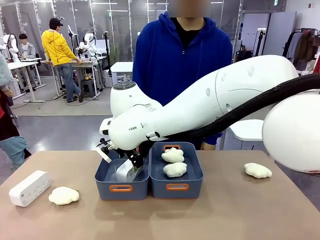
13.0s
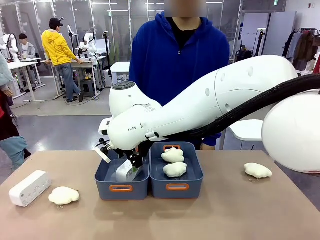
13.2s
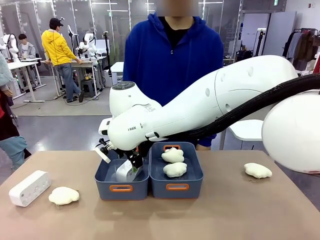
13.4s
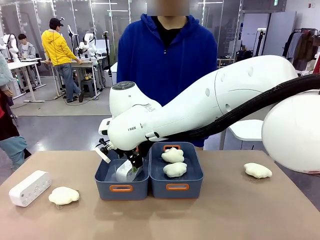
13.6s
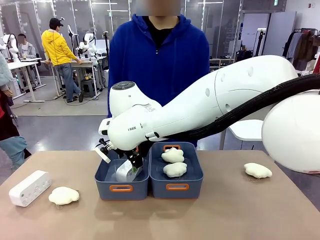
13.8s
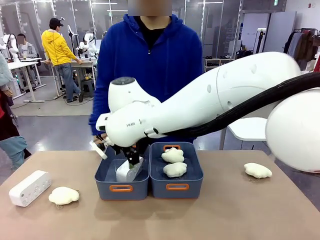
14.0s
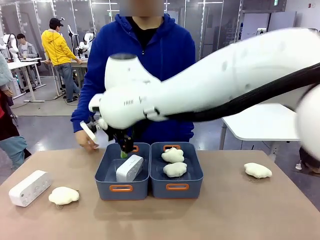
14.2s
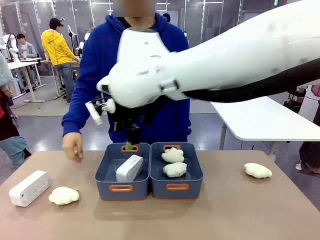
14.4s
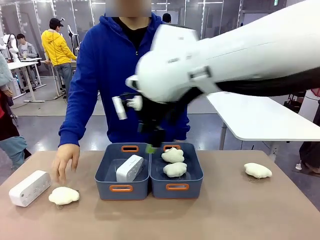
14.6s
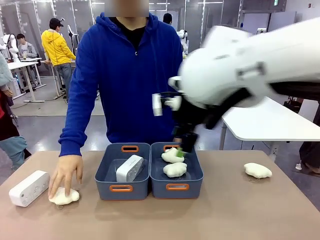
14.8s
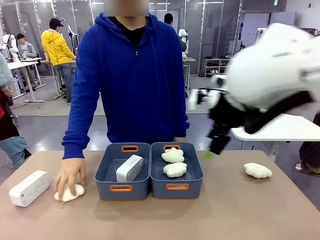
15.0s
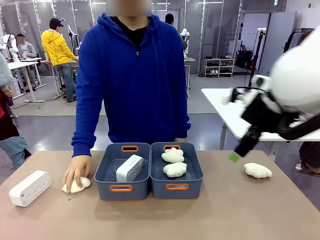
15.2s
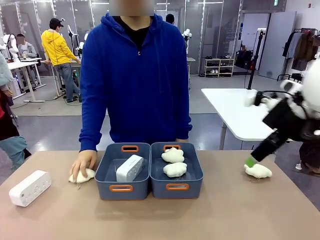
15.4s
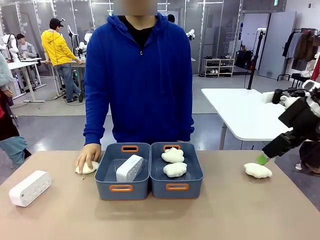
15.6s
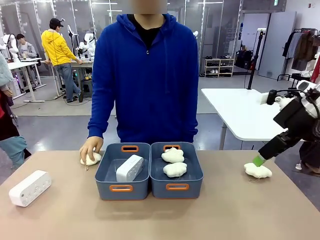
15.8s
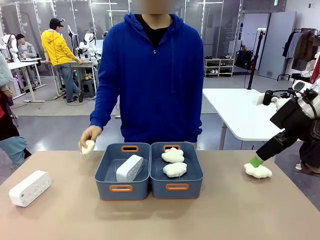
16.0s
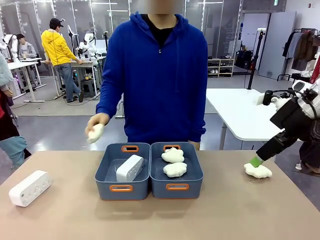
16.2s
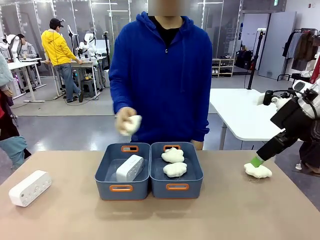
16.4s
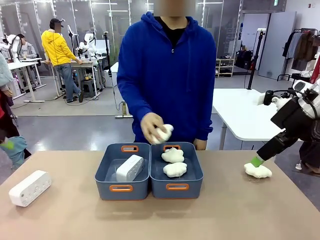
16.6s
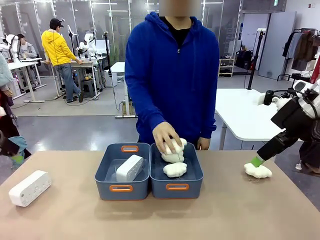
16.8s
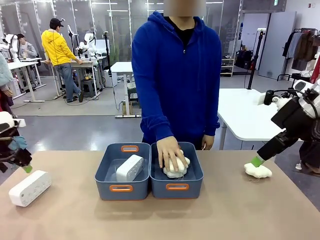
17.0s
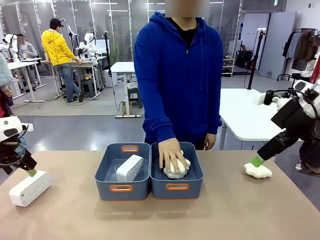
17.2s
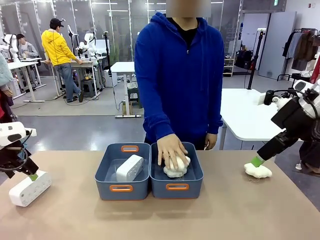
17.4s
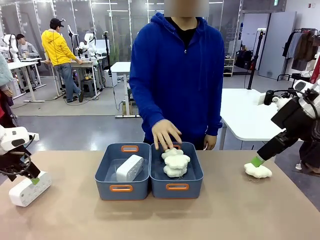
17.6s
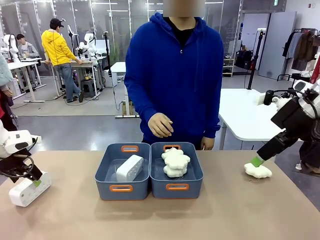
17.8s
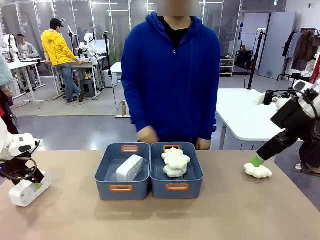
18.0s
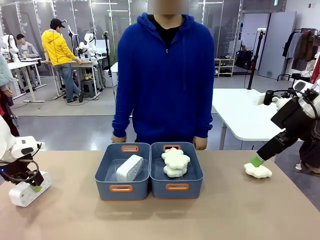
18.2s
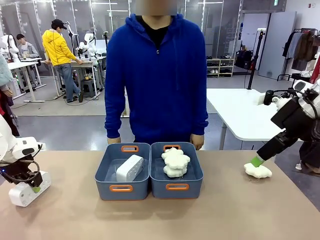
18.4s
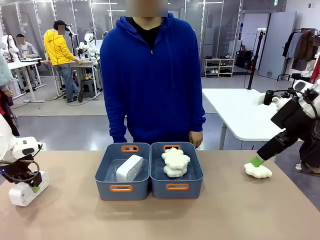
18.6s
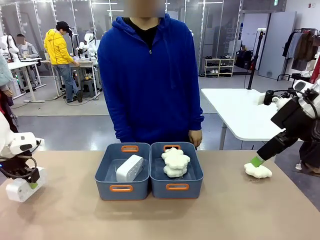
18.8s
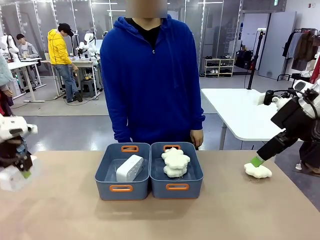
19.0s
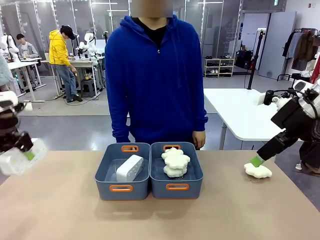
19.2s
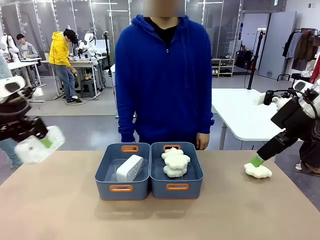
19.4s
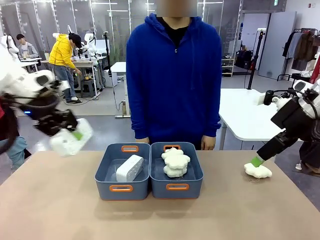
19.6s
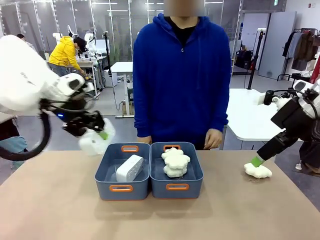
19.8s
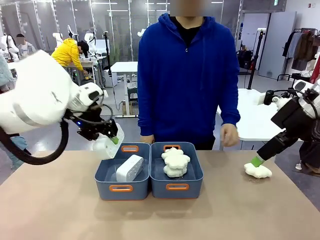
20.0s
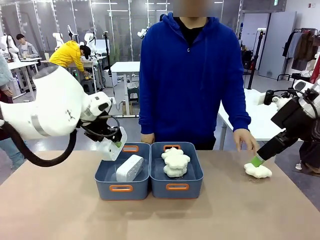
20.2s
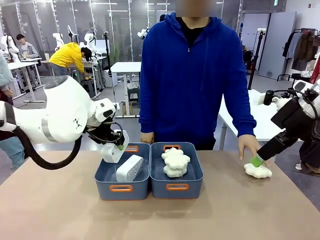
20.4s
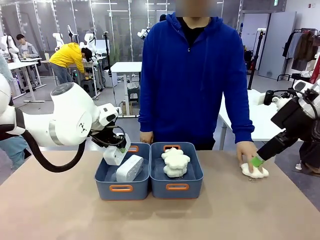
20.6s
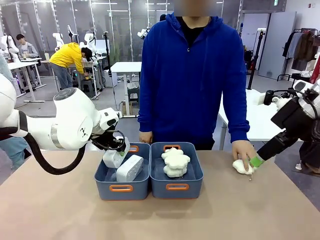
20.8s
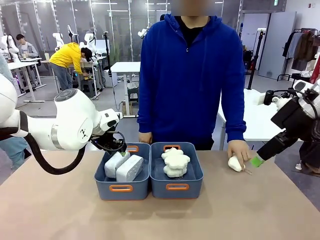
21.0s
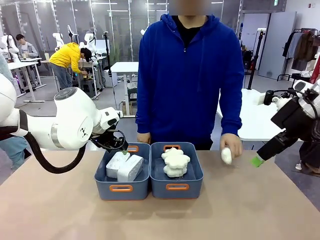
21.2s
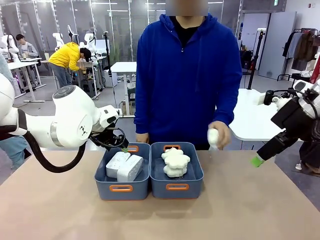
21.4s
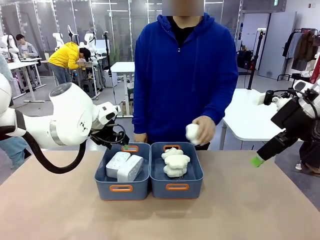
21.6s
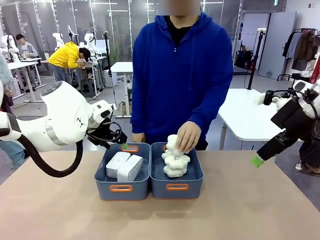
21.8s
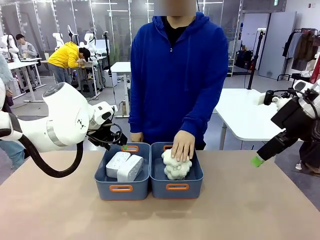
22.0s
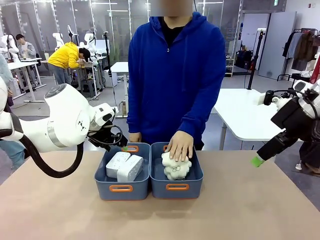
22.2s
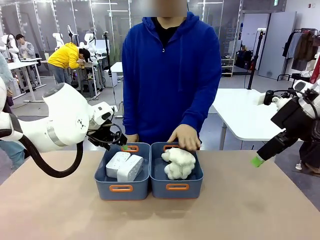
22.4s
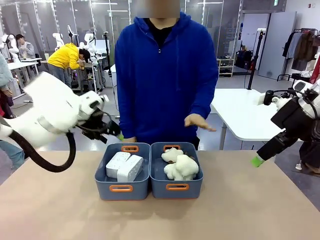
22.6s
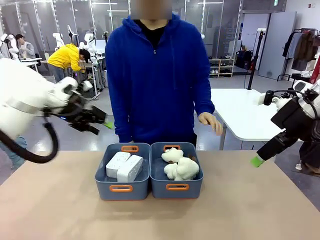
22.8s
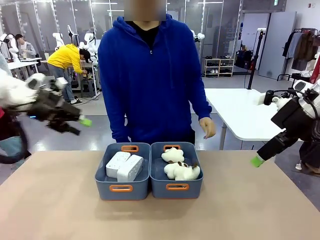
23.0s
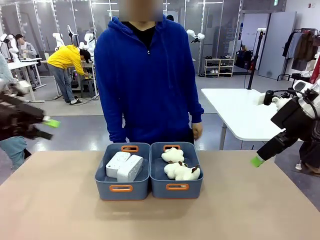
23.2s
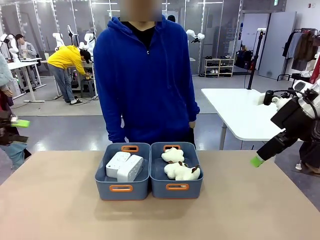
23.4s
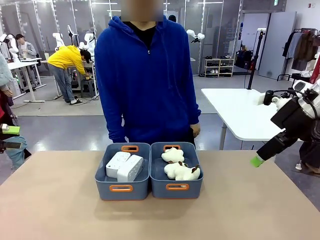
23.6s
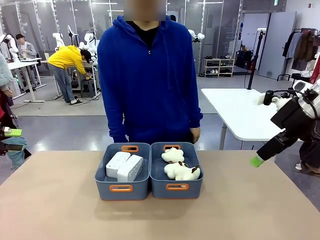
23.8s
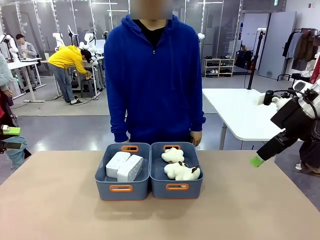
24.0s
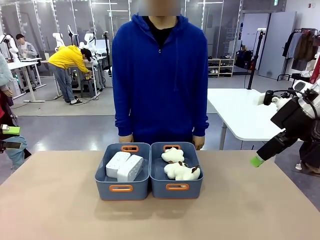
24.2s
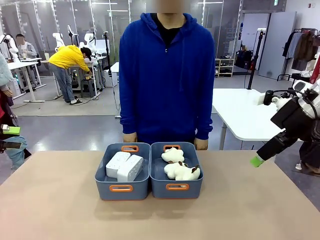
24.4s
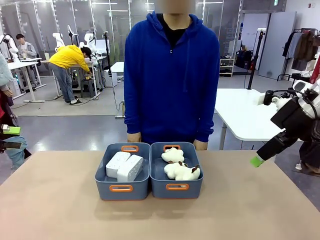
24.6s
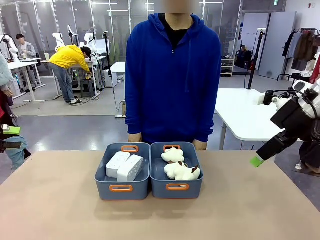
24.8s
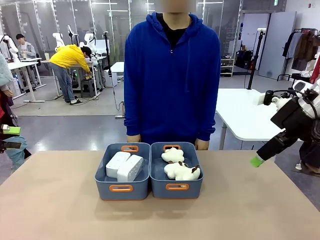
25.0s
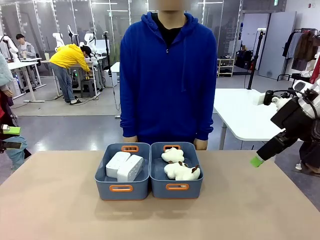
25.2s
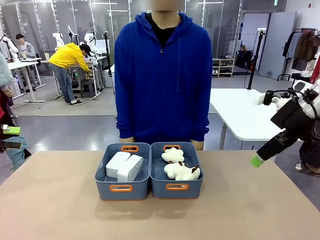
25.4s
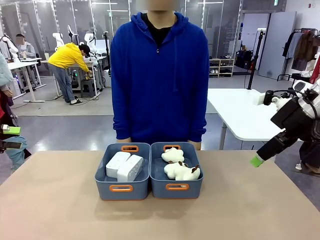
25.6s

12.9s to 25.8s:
Task: Sort the digital clocks into the basket.
Robot: Pick up the Digital clock from the table and place it into the empty Plastic storage basket.
Person: Pick up a plush toy from the table and place it in the plastic storage basket containing the plush toy.

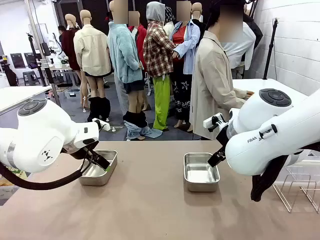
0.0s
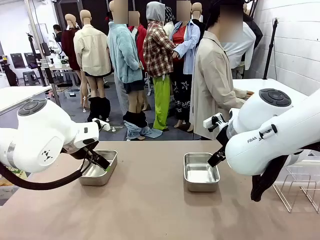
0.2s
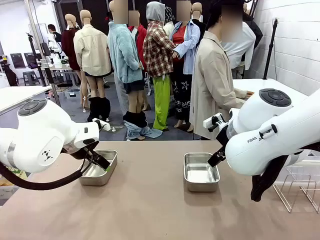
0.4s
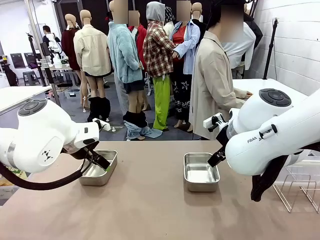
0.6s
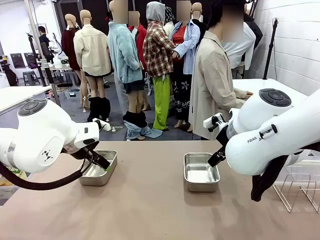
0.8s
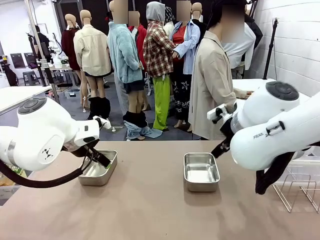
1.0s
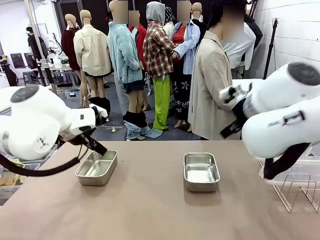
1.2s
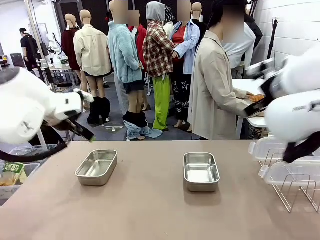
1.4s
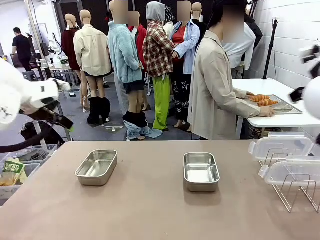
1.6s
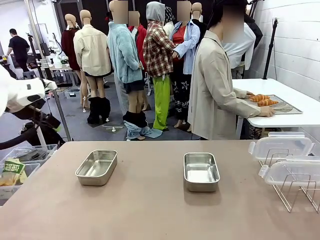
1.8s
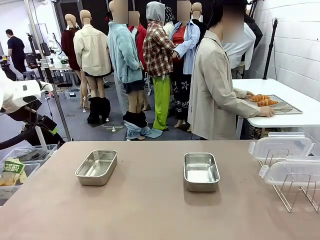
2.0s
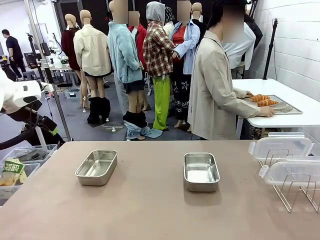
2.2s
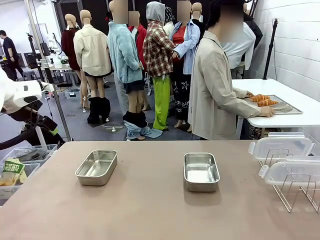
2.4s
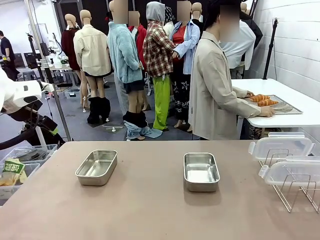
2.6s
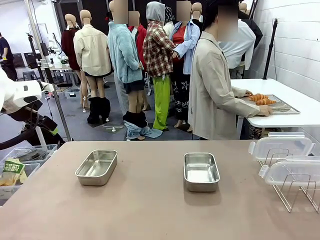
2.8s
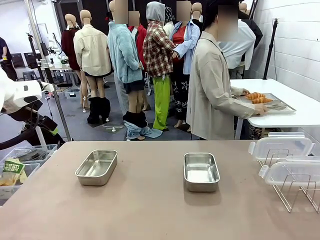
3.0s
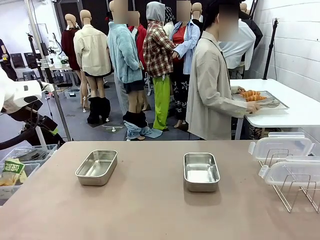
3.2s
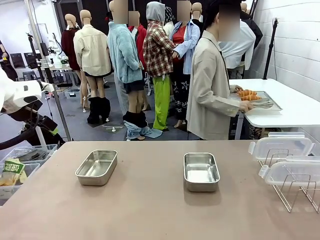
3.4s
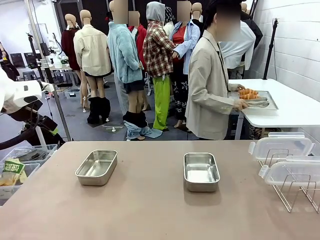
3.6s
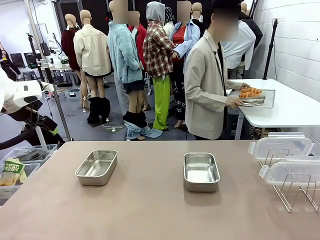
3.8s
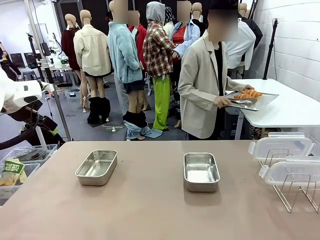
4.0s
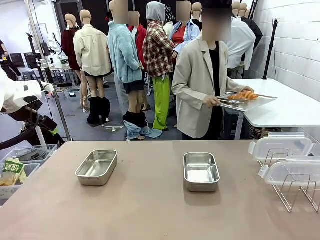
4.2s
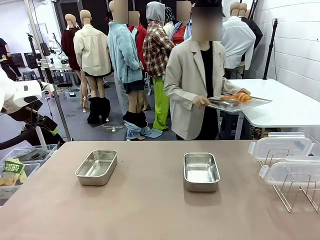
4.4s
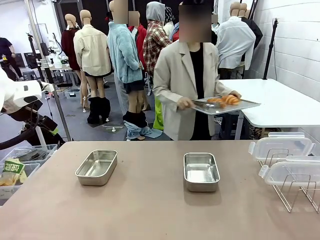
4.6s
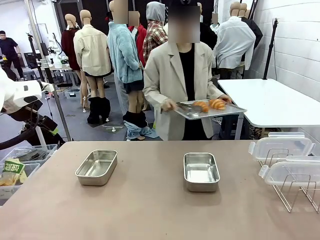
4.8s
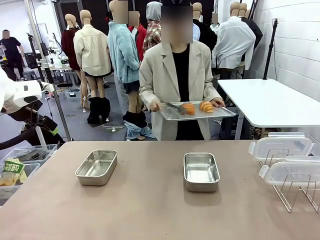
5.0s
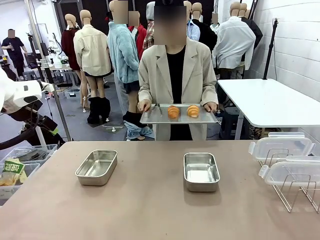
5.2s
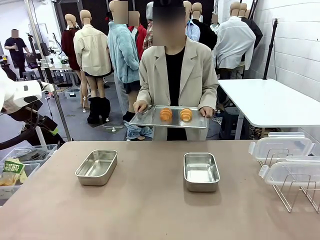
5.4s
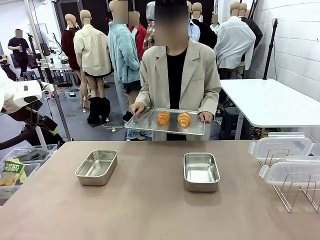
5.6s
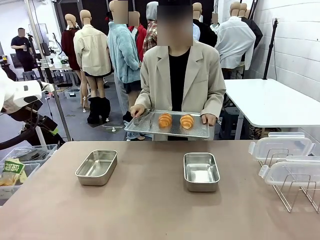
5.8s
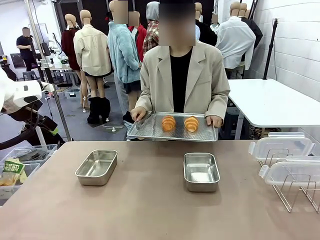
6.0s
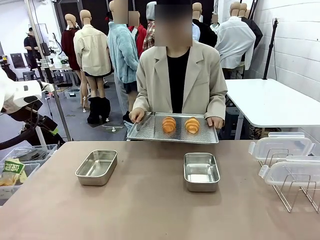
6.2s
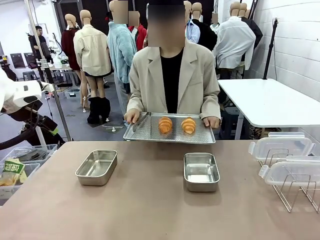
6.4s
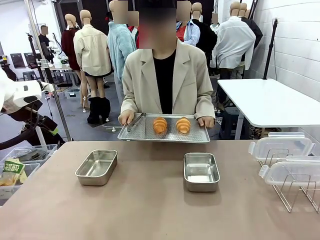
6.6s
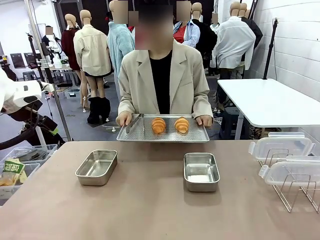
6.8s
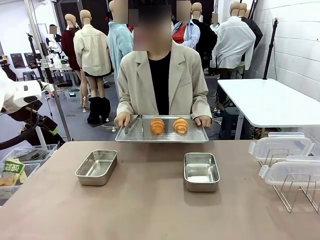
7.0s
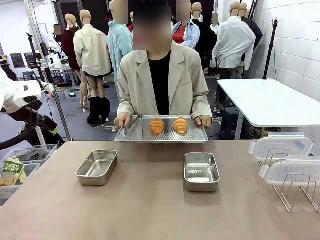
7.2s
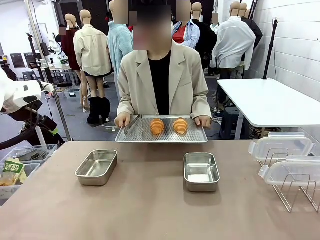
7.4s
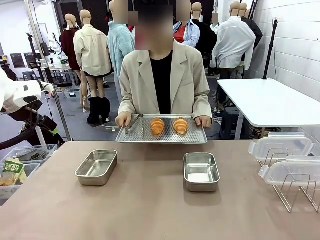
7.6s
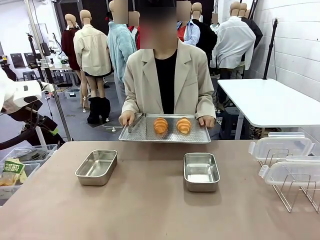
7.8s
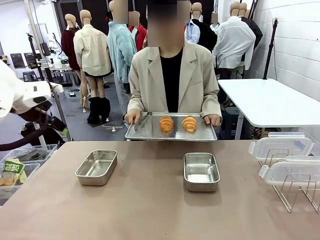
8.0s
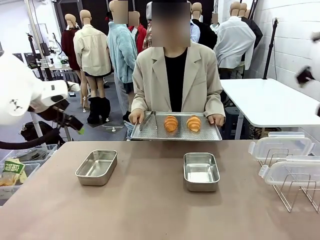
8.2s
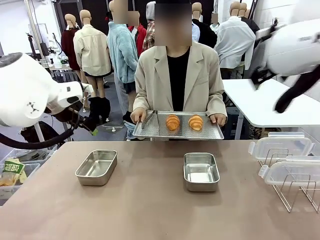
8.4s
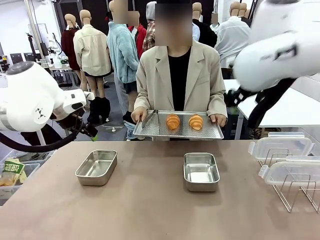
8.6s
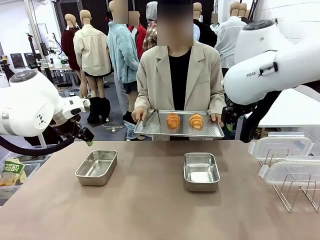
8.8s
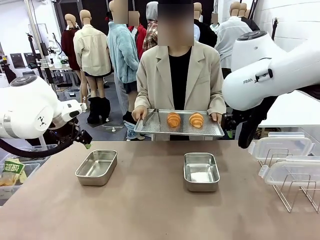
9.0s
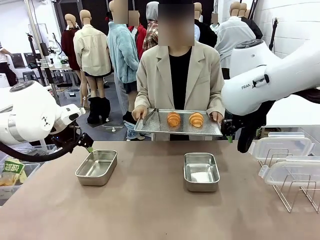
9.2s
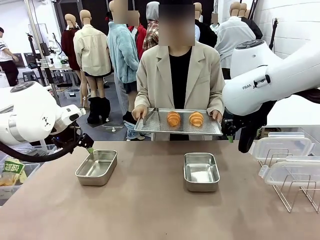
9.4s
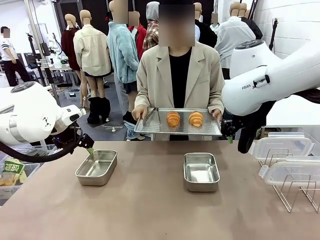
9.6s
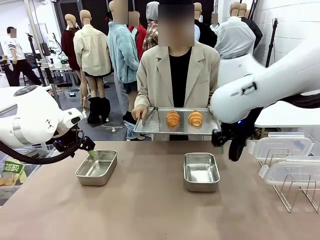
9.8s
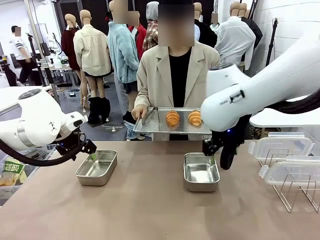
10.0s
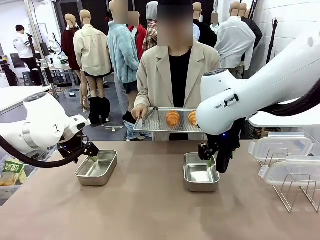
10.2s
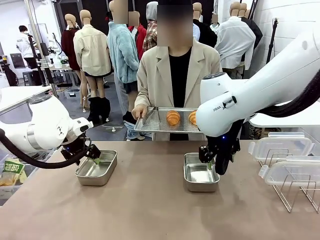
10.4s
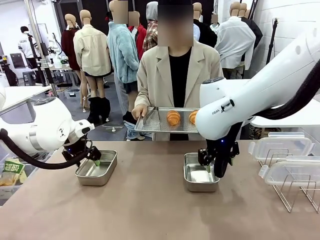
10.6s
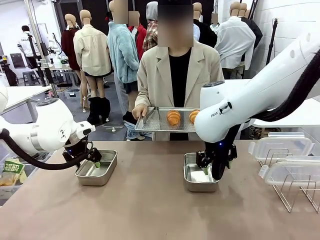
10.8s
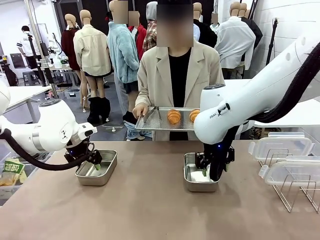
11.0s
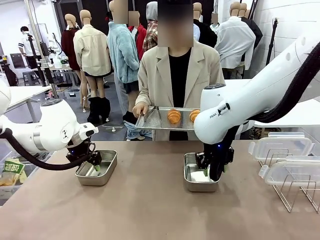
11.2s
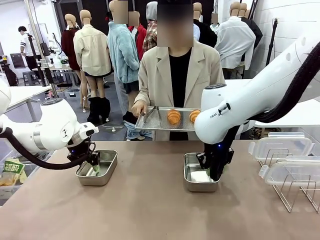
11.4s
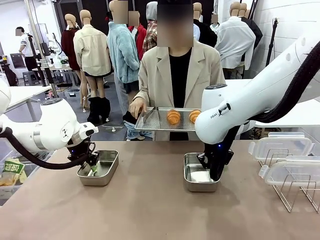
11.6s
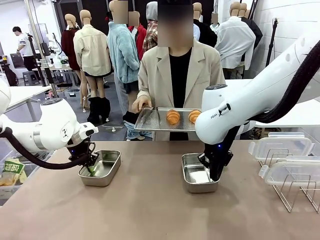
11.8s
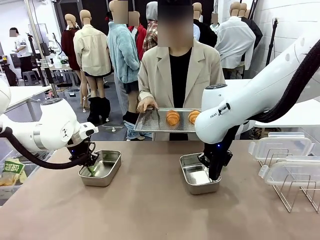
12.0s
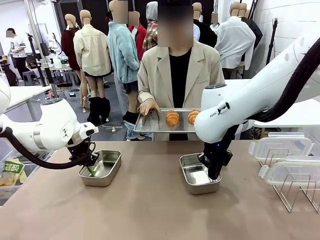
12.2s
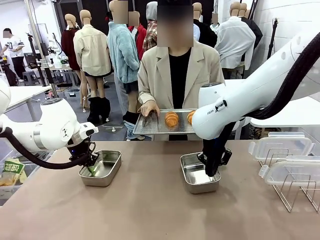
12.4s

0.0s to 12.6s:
Task: Place the bread in airtight containers.
Robot: Lift both Airtight Container.
Person: Bring the Baking Sheet in front of Robot's Table.
